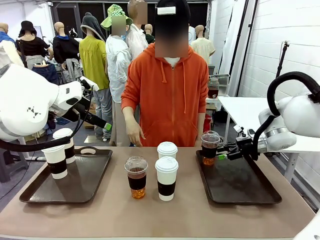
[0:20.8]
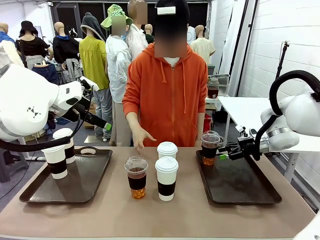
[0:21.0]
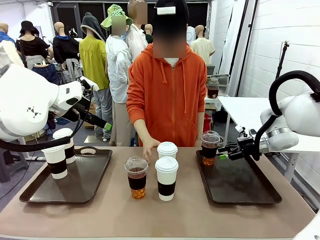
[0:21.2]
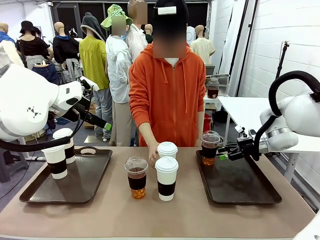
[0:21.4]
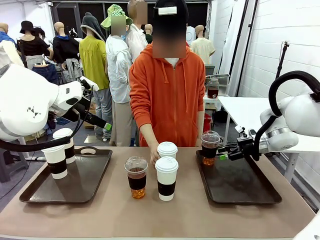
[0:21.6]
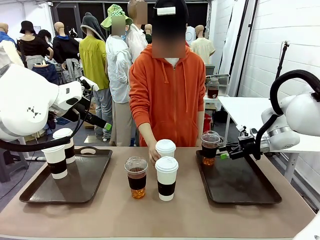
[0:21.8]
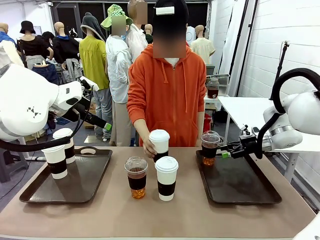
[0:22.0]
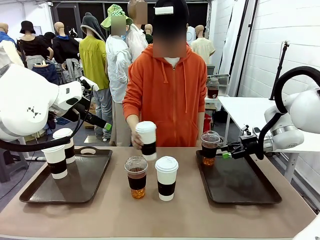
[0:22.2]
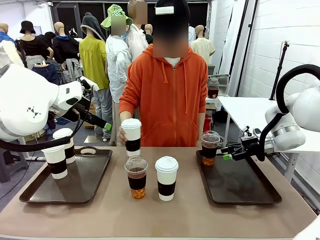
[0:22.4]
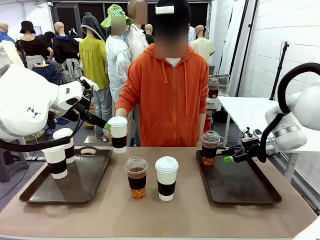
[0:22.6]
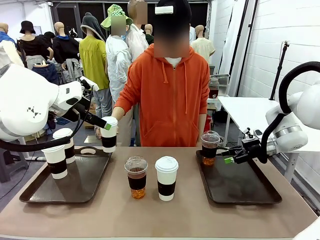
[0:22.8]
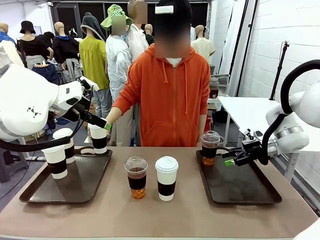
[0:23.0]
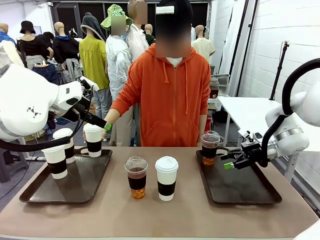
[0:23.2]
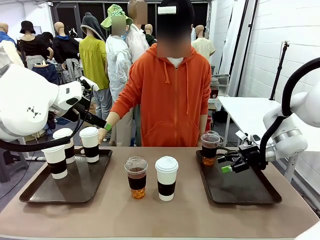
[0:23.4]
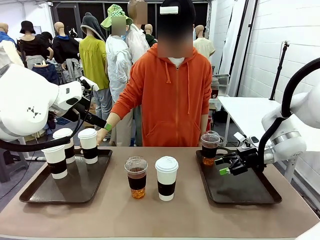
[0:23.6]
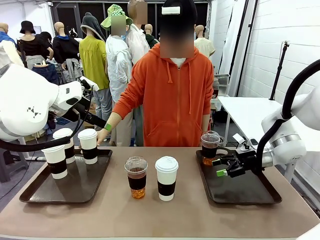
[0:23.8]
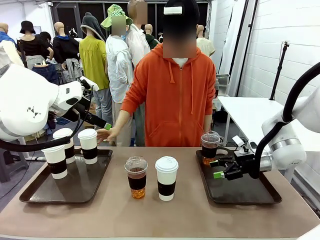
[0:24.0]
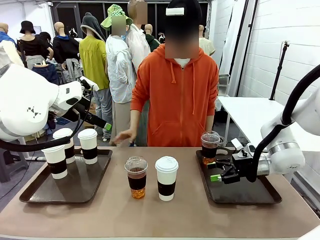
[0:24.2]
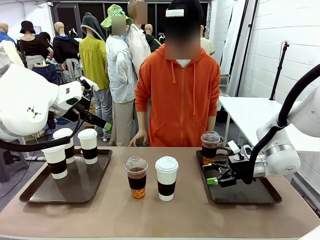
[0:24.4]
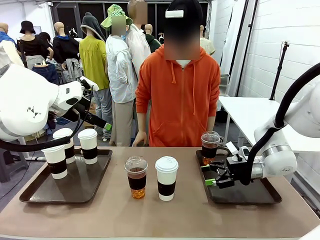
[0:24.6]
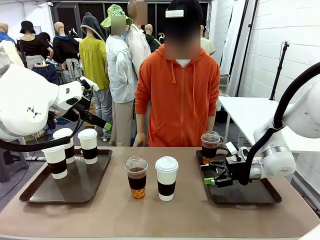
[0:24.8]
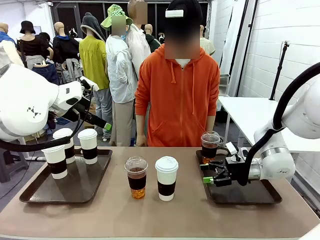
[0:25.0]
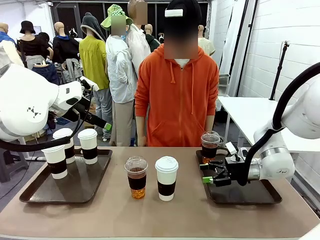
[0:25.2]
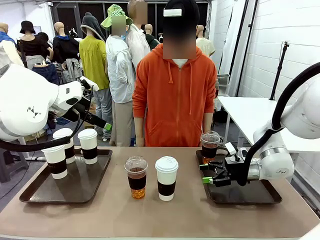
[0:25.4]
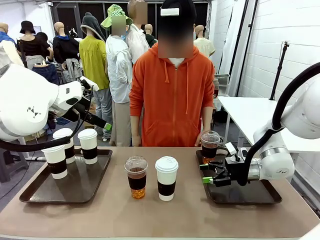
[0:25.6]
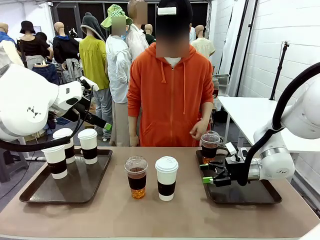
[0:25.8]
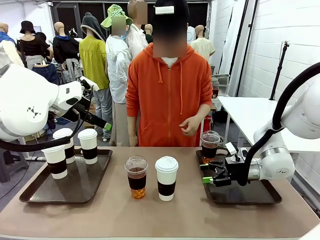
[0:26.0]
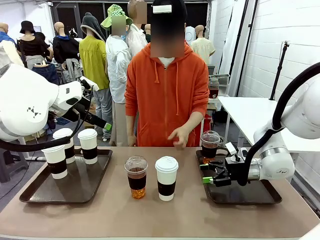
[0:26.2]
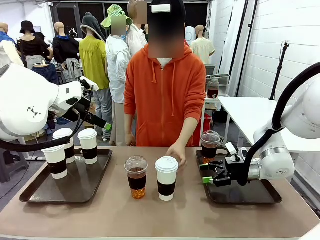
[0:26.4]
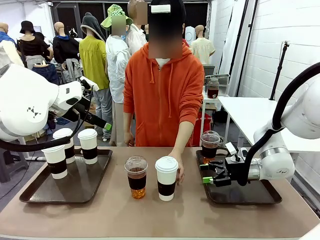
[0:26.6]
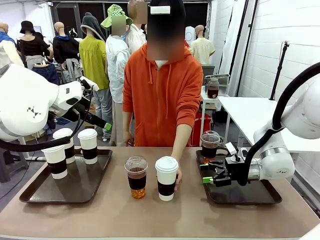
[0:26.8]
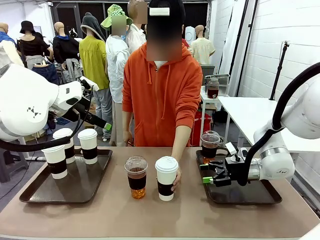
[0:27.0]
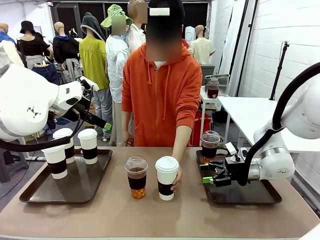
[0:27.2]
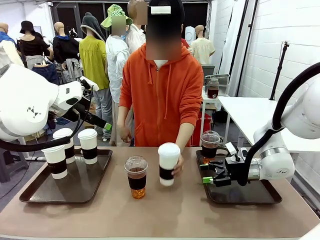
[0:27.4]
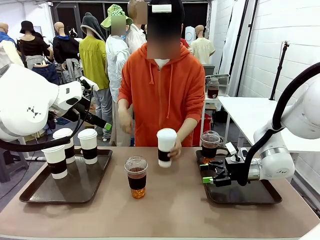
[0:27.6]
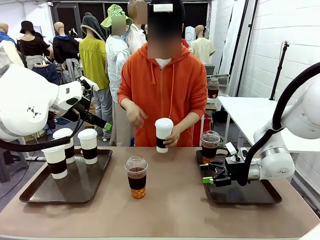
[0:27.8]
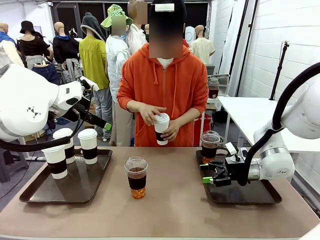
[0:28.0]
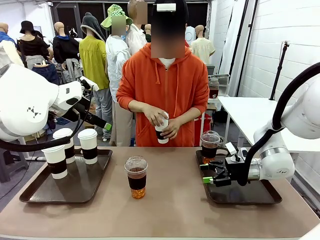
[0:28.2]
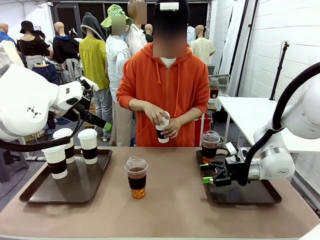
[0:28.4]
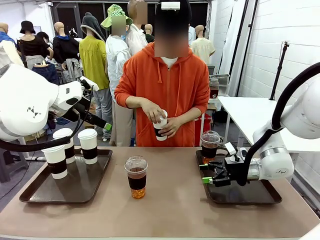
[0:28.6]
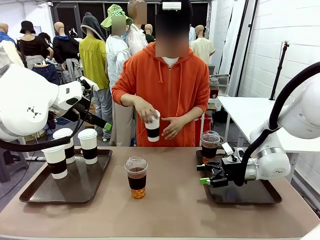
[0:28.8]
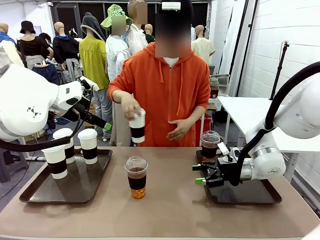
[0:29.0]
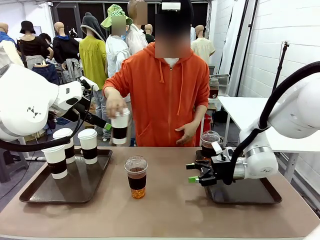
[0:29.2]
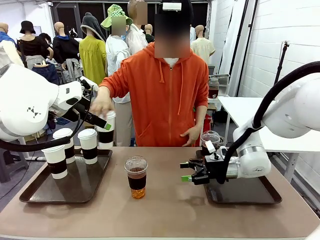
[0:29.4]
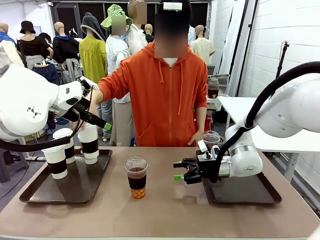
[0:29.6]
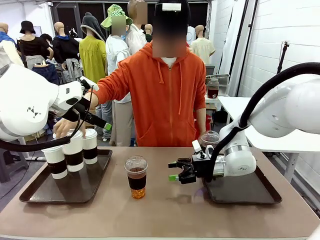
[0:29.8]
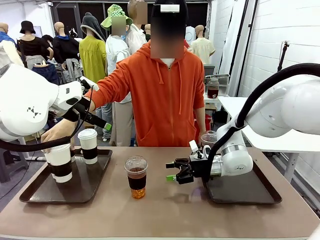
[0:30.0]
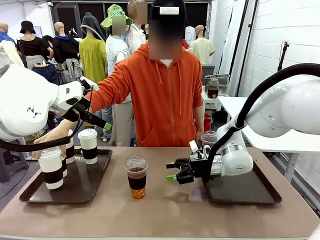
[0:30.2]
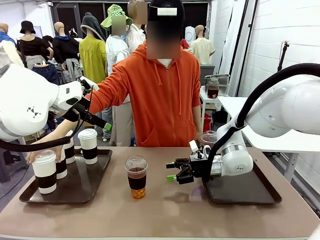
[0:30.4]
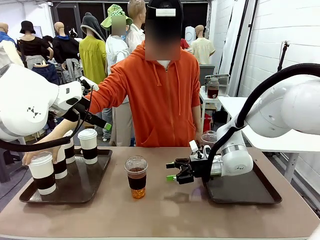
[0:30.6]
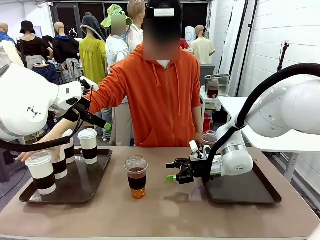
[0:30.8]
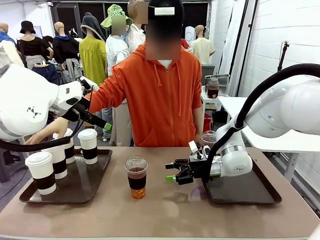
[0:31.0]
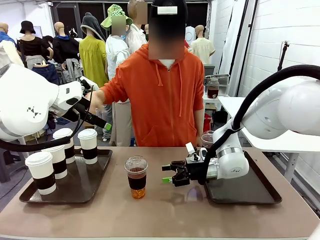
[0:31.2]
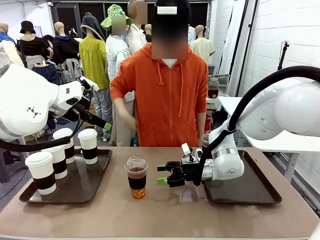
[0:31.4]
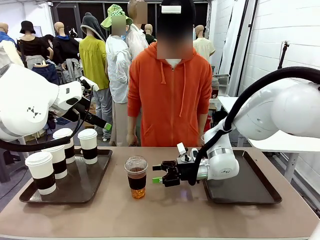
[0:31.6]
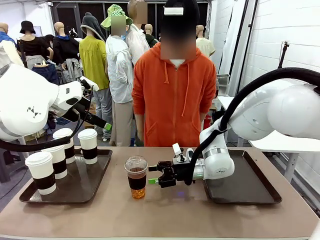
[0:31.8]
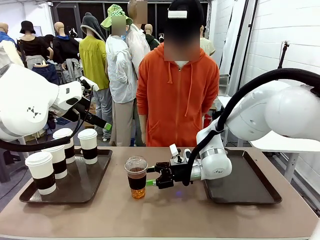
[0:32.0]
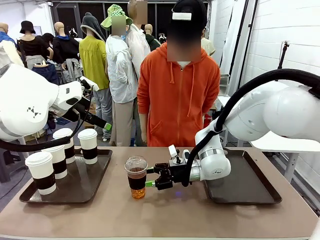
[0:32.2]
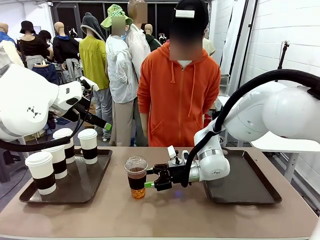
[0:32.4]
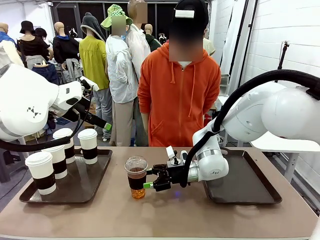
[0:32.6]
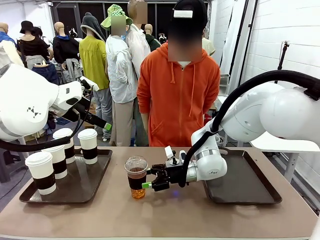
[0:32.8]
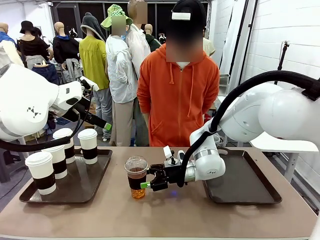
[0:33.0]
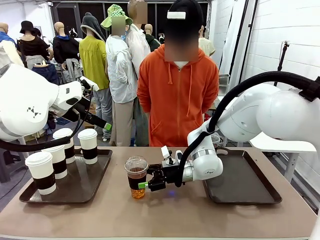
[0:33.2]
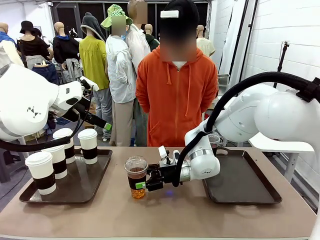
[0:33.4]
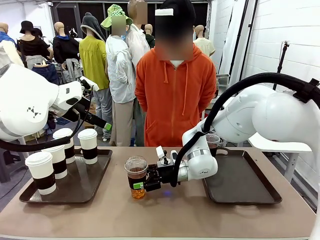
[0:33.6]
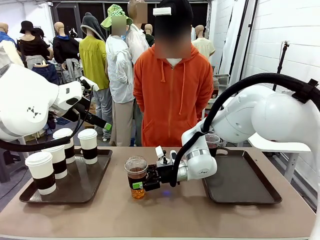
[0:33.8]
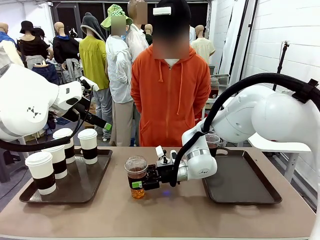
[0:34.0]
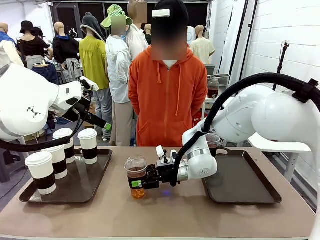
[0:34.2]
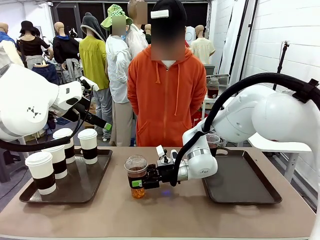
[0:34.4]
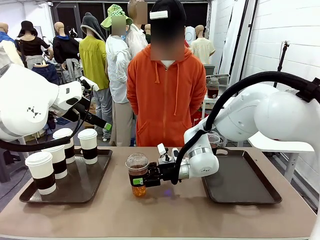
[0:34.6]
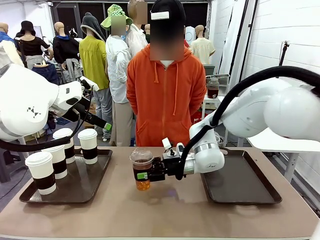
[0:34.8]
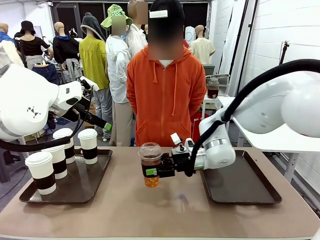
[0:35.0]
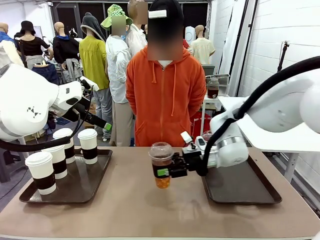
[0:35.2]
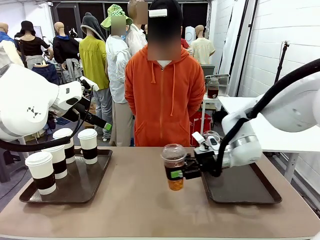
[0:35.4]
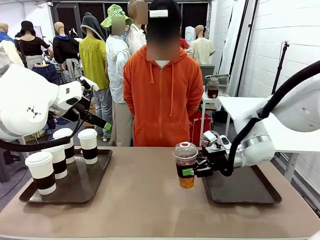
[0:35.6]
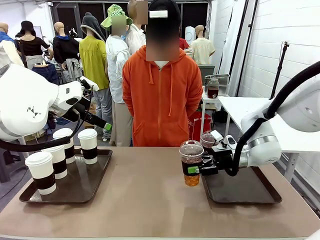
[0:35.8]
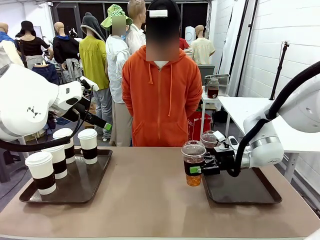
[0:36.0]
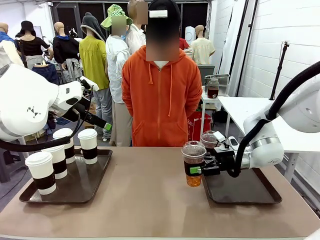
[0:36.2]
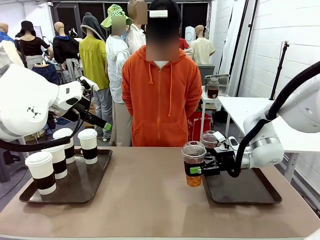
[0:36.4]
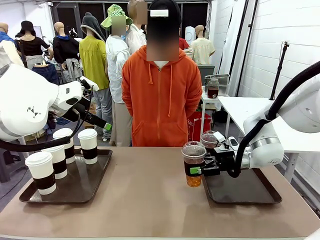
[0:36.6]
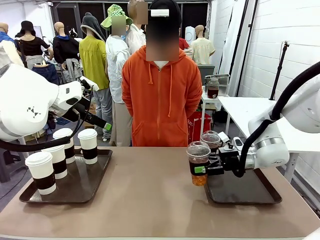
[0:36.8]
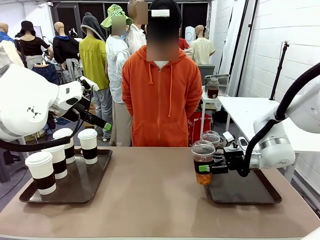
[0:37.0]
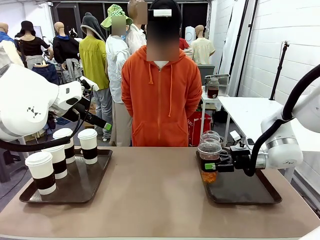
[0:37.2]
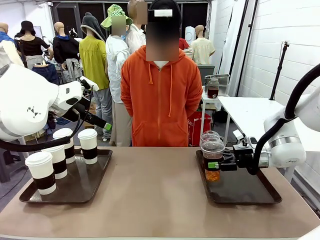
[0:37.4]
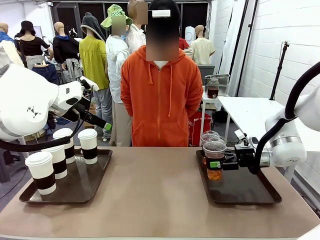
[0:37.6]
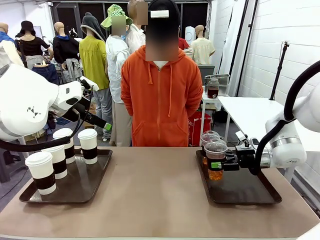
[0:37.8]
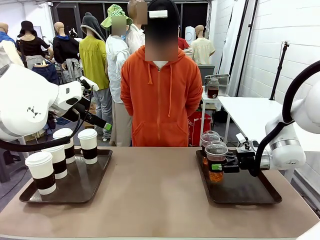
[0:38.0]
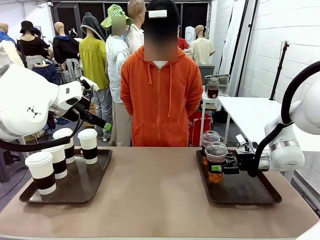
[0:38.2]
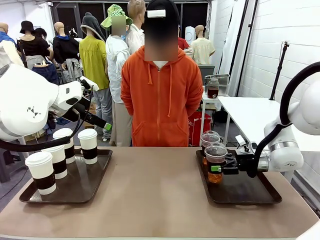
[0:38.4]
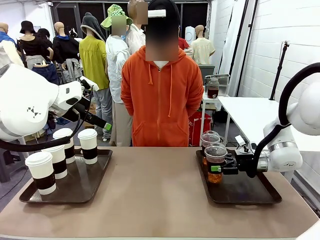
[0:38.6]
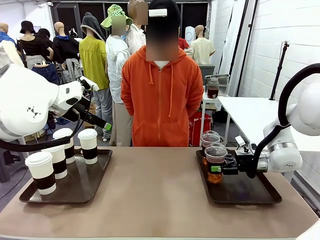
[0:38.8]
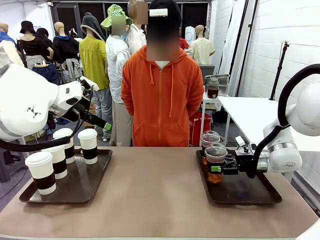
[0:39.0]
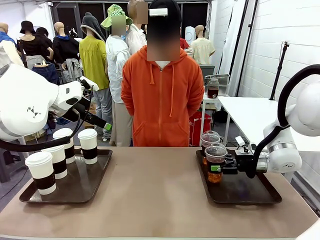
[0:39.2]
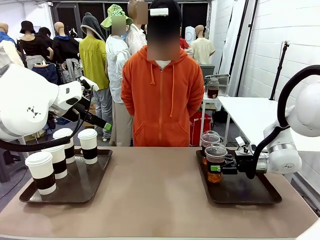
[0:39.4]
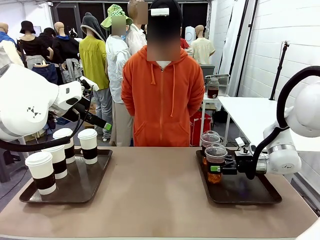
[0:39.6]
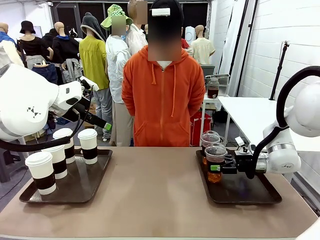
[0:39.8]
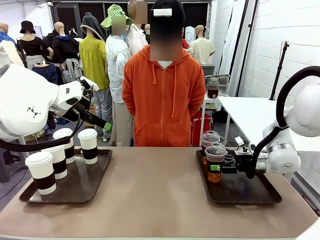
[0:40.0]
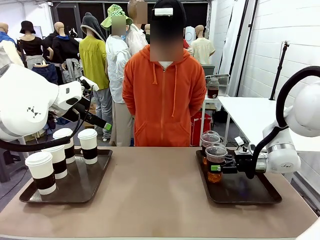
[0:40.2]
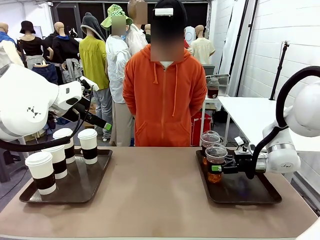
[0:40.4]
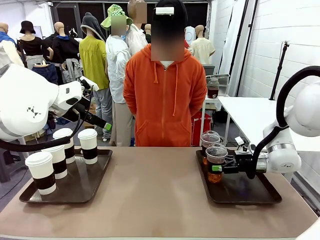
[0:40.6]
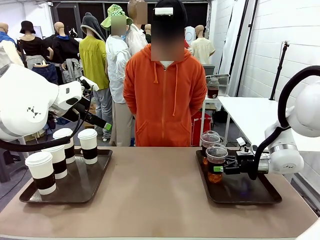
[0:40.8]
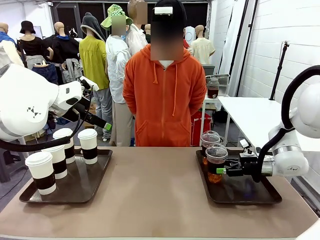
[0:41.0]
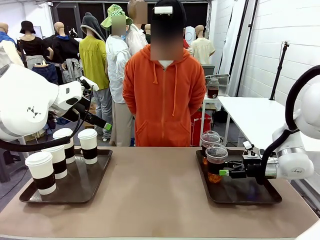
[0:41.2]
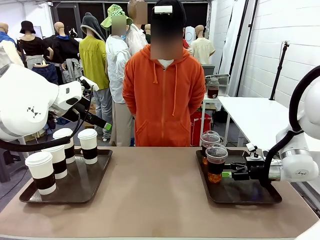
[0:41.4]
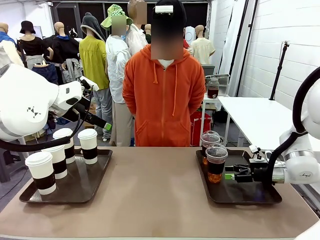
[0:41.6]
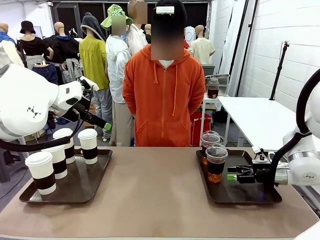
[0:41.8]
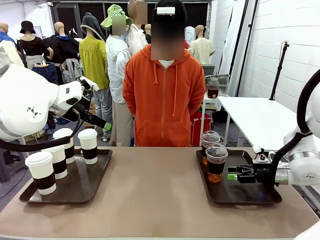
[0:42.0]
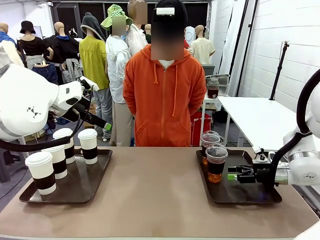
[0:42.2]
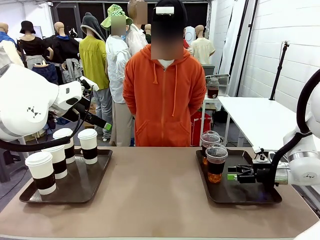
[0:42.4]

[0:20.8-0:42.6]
Task: Distribute the coffee onto the tray.
Robot: Pick up another iced Americano from the middle of the table and place it on the right Handle tray.
Person: Pick up a cup of hot Americano from the middle of the table and place it on the right tray.
